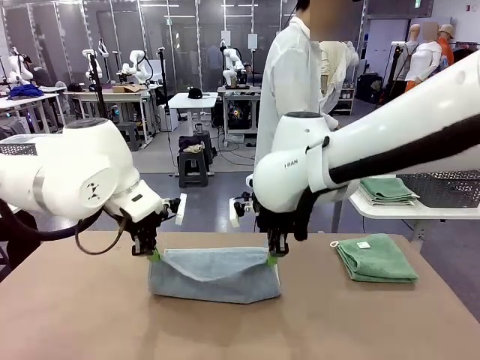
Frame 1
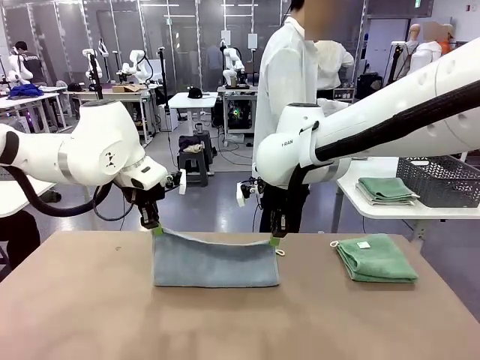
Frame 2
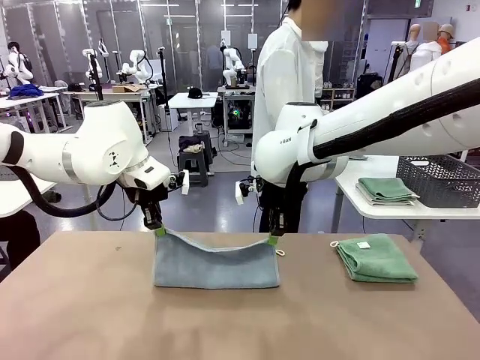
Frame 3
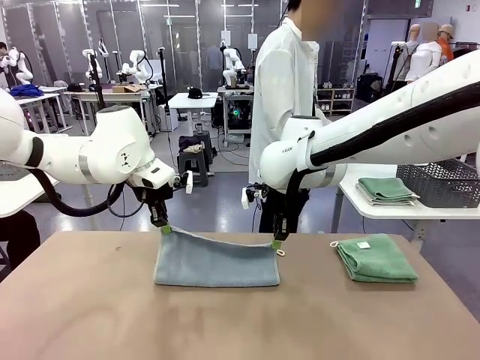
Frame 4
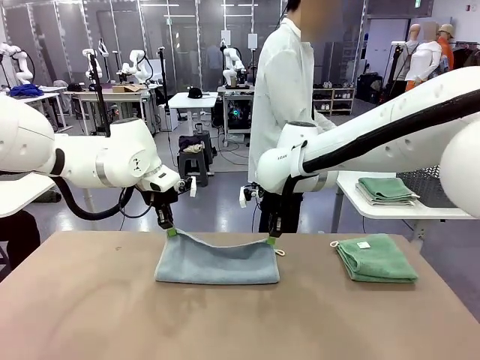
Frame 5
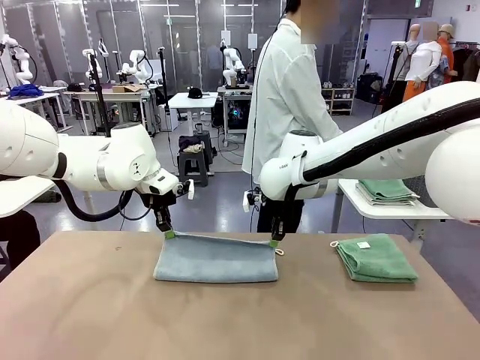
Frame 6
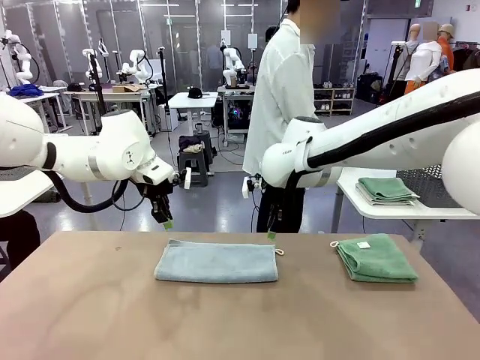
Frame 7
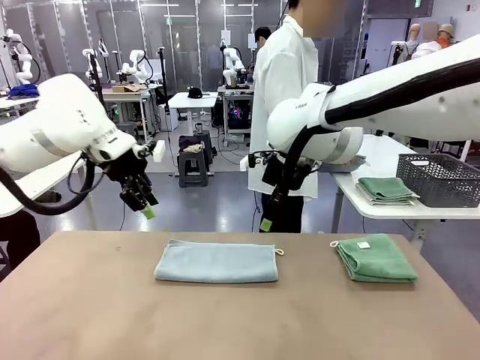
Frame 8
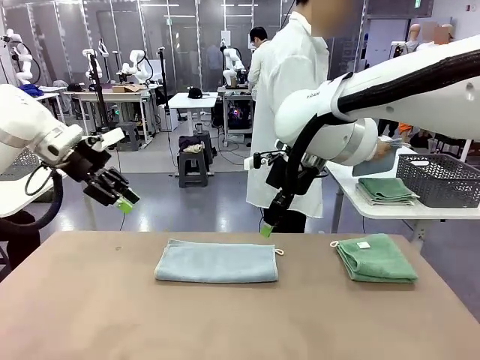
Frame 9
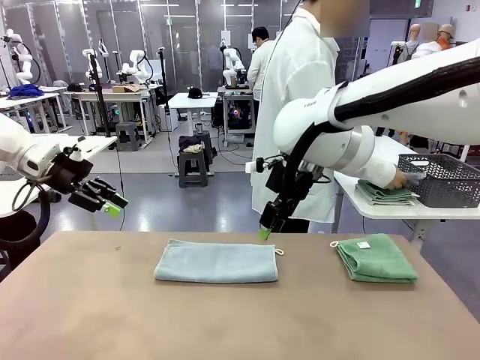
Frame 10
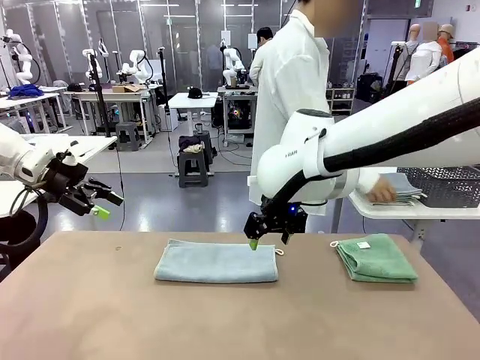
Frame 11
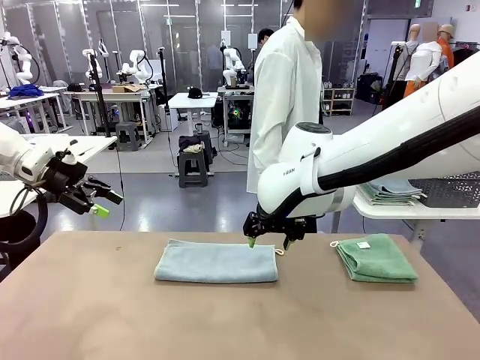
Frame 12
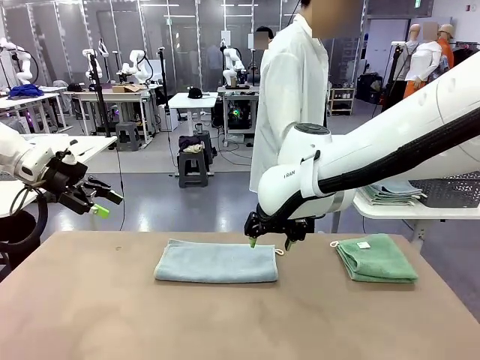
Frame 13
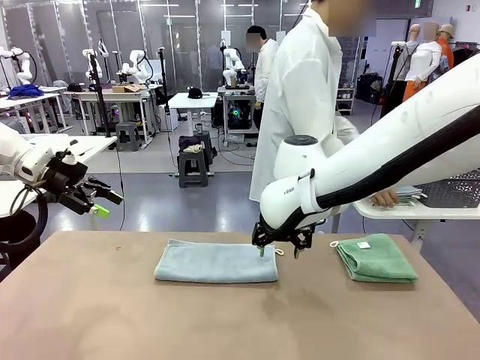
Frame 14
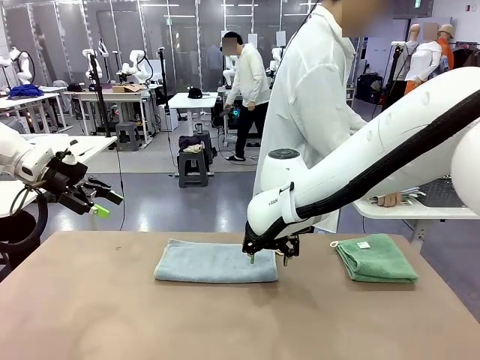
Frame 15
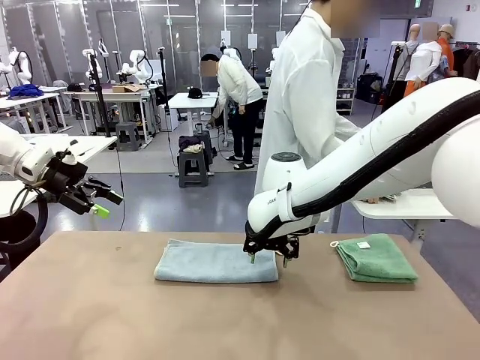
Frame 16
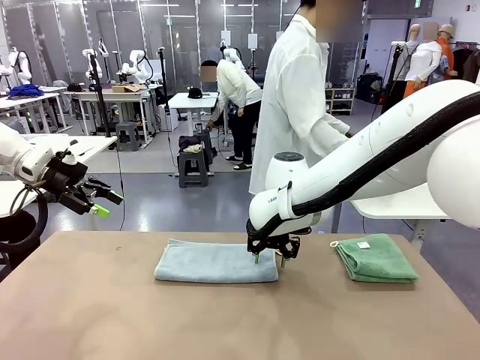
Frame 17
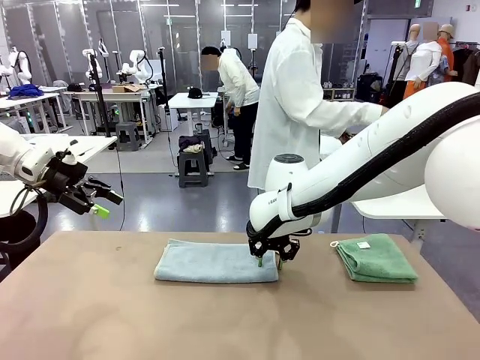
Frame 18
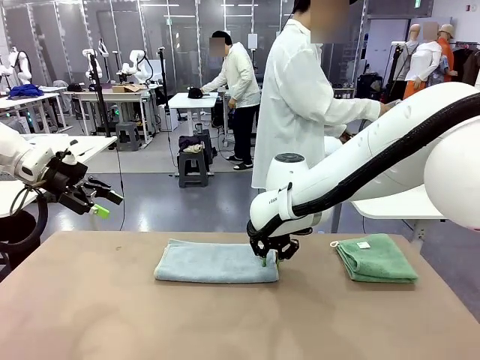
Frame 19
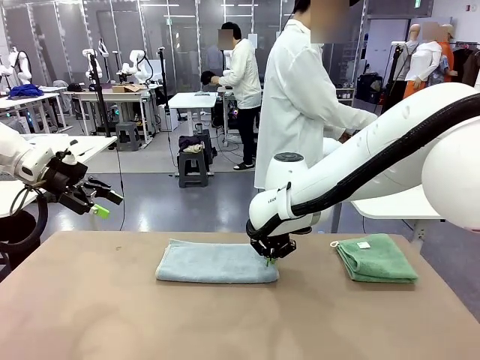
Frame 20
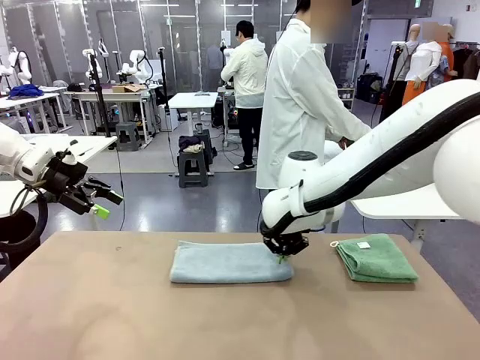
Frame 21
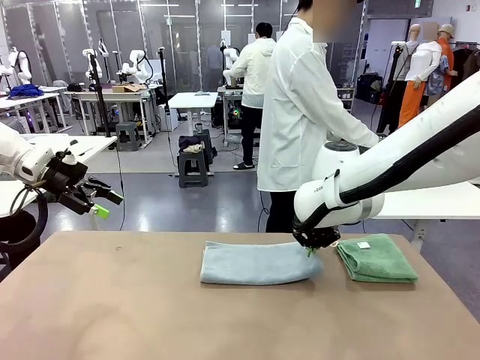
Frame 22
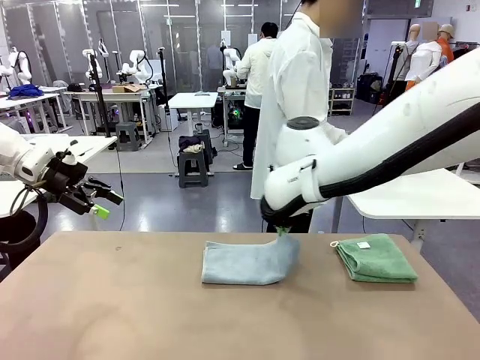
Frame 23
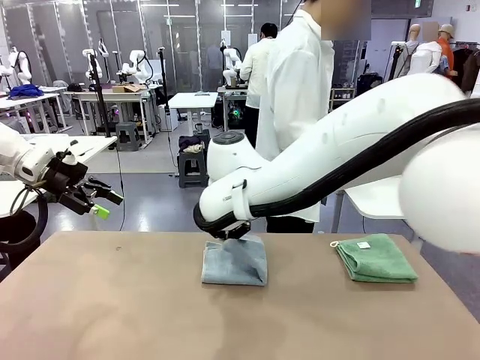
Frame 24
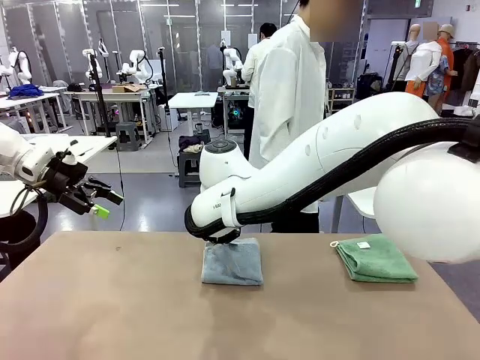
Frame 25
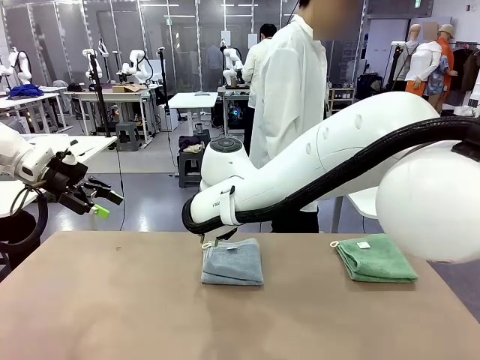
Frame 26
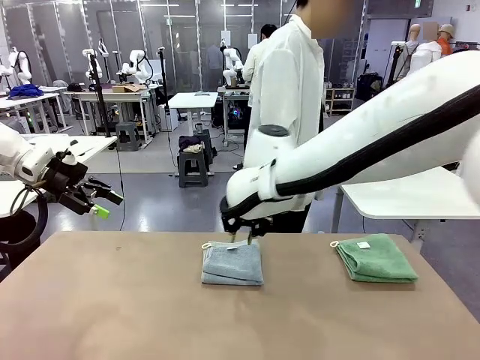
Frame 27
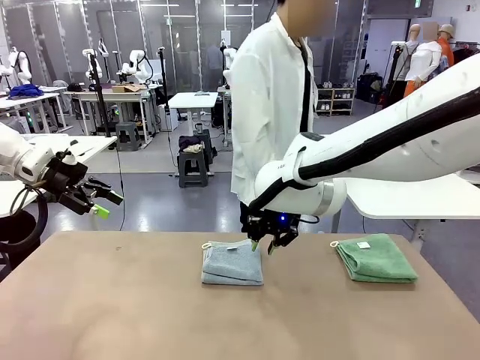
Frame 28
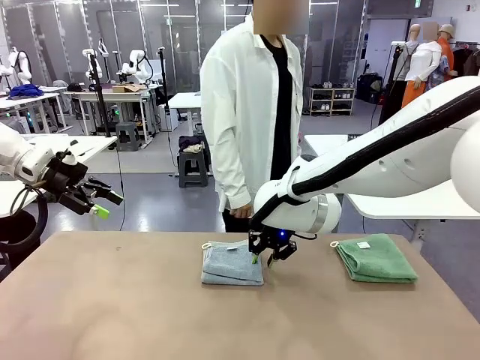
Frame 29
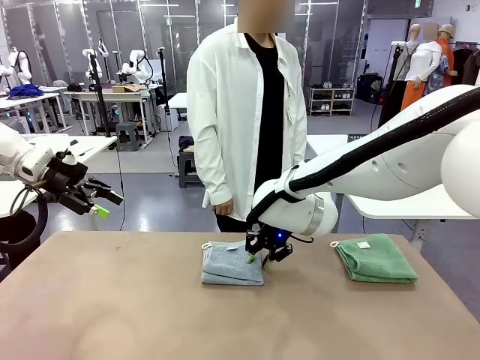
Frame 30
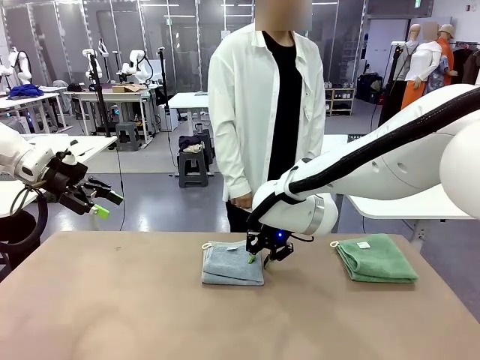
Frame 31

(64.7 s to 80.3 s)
Task: Fold the towels and place them in the basket.
Robot: When a person lays out a Towel with hook on the table, fold it in half twice.
Person: Pick up the stack of towels from the right side of the human table, place it into the basket, and put the basket at the center of the table.

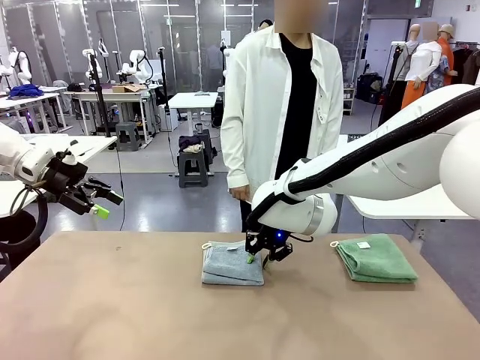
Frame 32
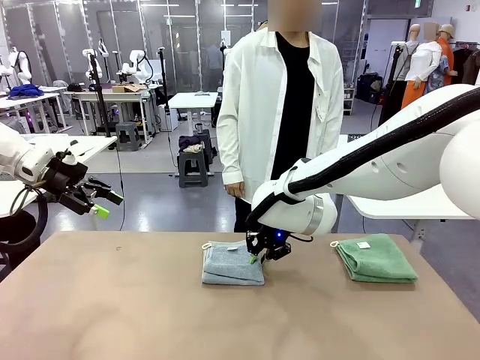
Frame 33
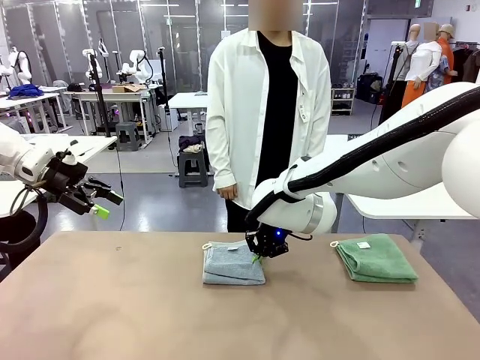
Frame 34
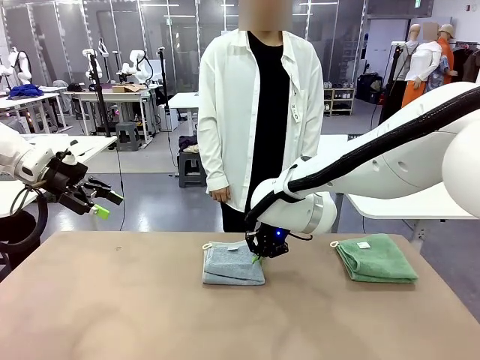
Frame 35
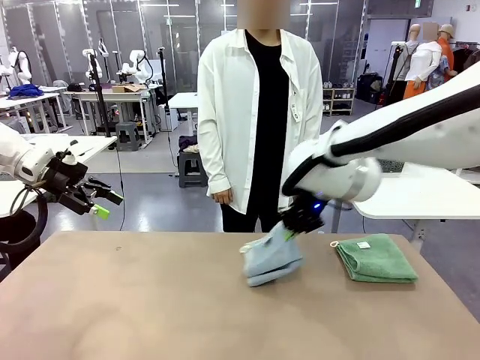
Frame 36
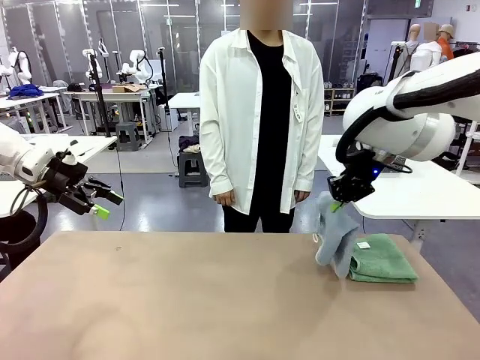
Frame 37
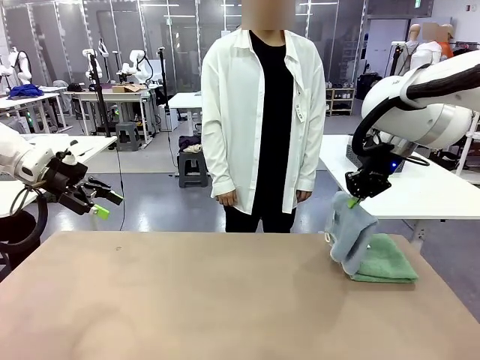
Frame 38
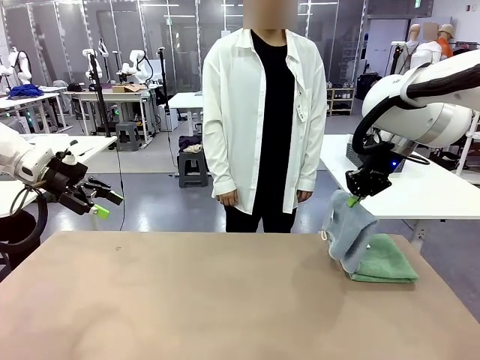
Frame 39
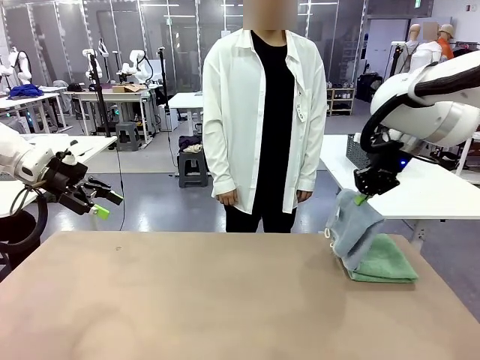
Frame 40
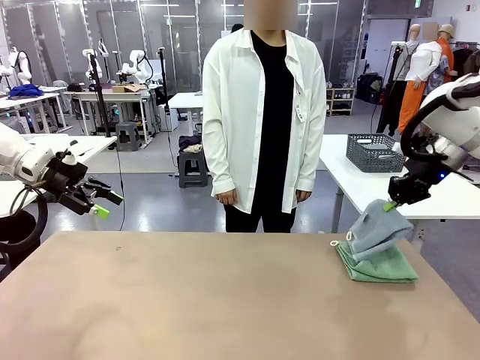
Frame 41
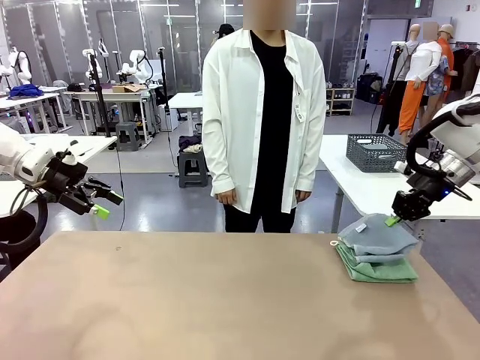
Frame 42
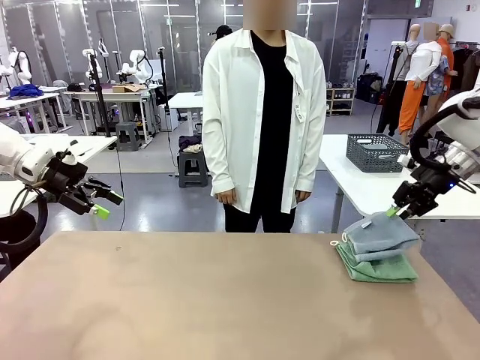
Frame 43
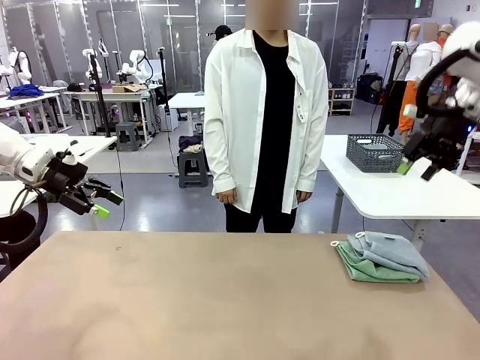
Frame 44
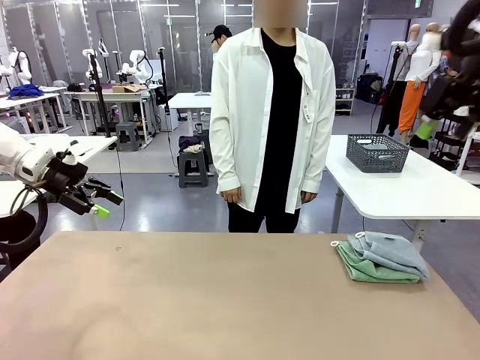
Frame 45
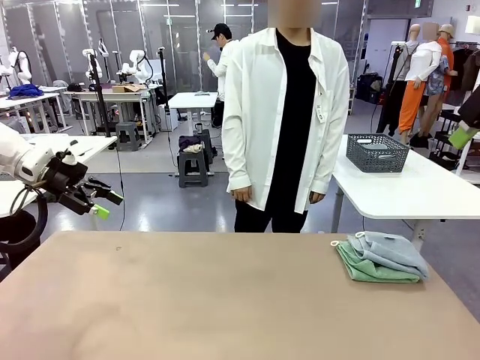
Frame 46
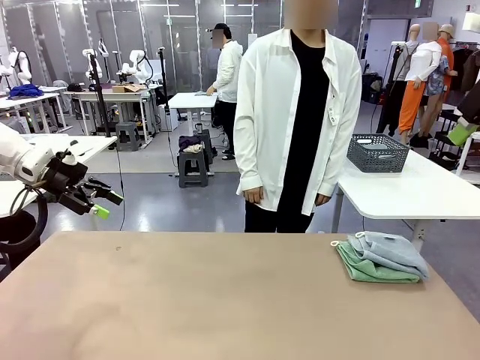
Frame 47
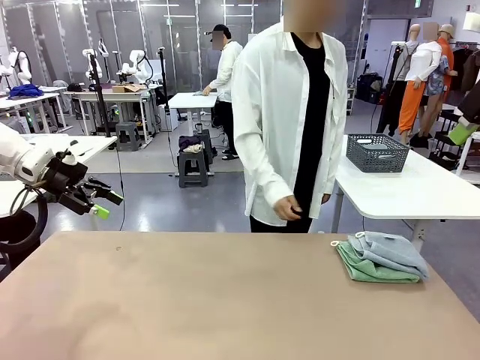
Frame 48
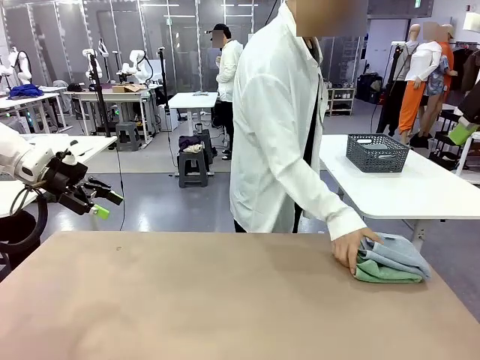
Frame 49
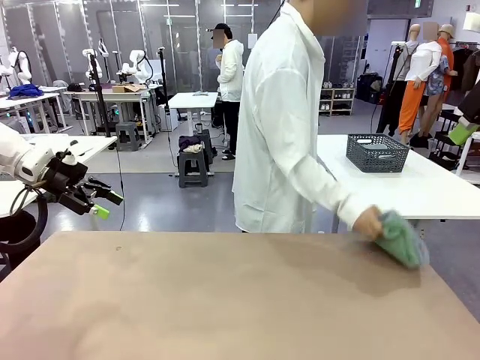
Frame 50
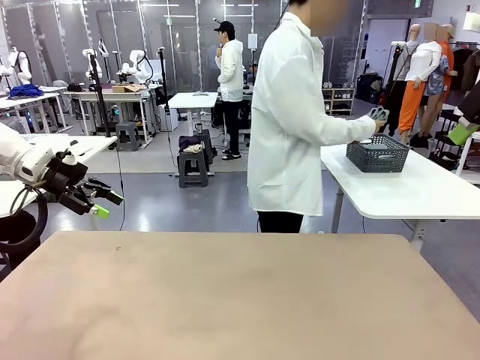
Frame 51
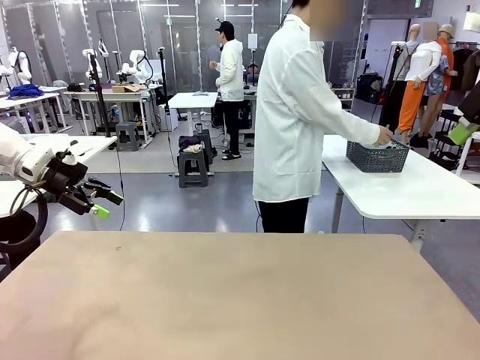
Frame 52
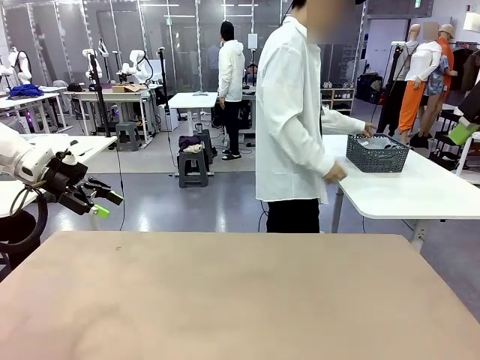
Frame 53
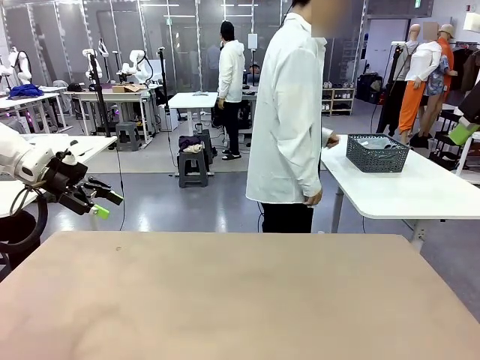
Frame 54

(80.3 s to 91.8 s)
Robot: Stack the folded Towel with hook on the right side of the table.
Person: Pick up the stack of towels from the robot table and place it into the basket.
